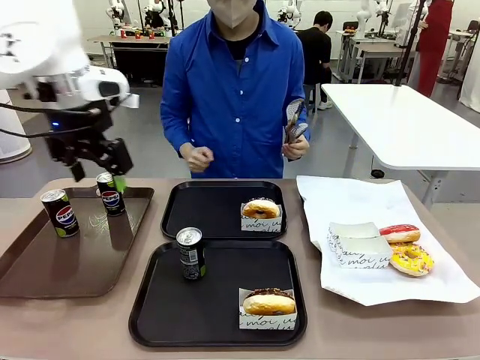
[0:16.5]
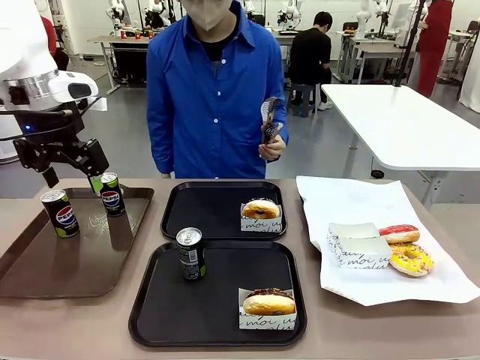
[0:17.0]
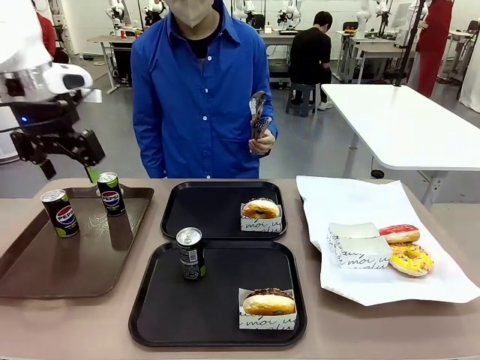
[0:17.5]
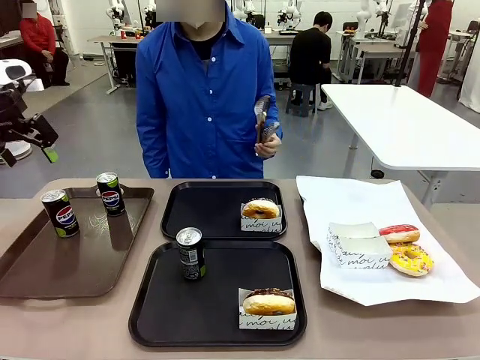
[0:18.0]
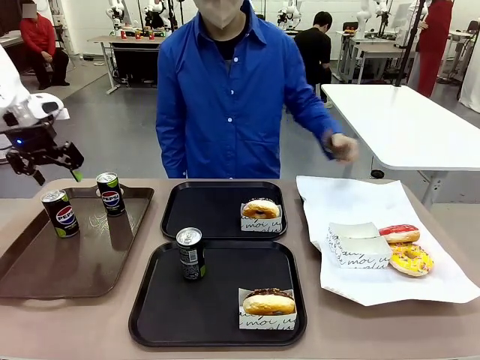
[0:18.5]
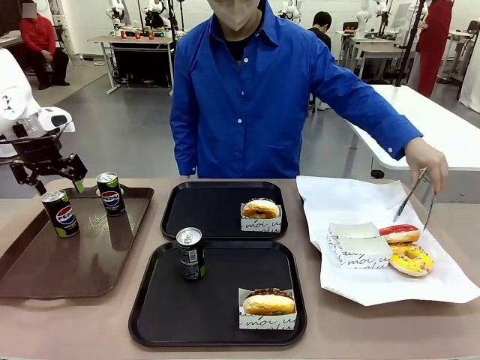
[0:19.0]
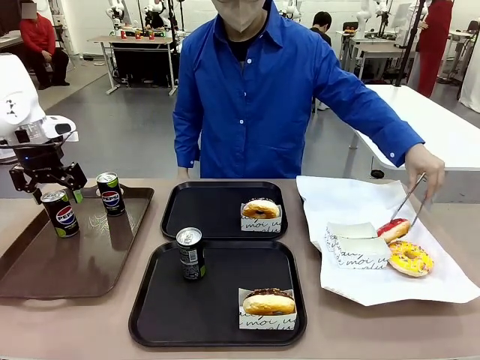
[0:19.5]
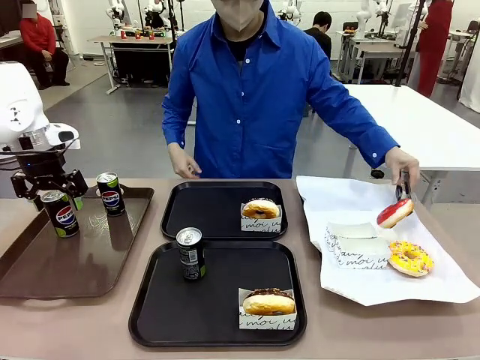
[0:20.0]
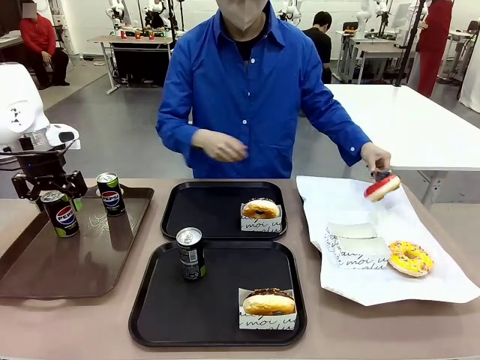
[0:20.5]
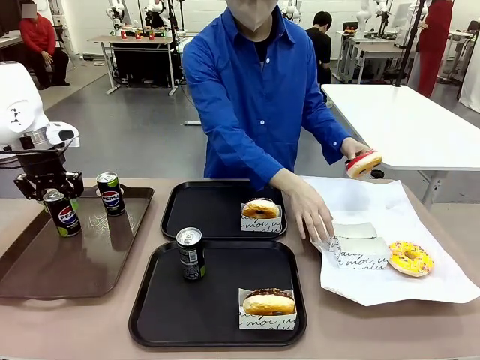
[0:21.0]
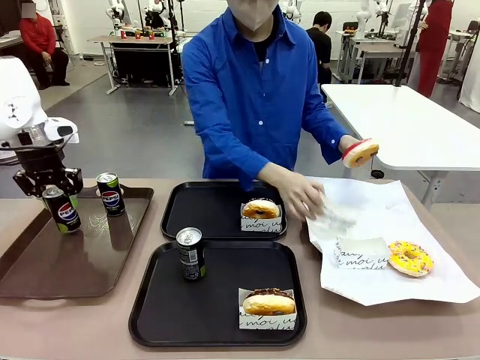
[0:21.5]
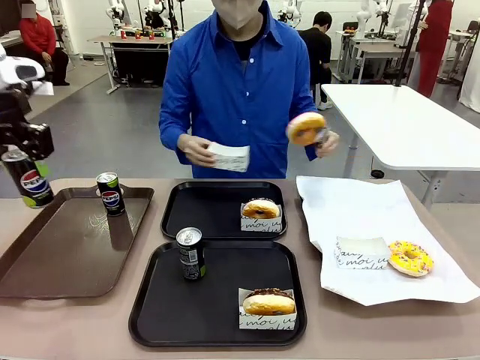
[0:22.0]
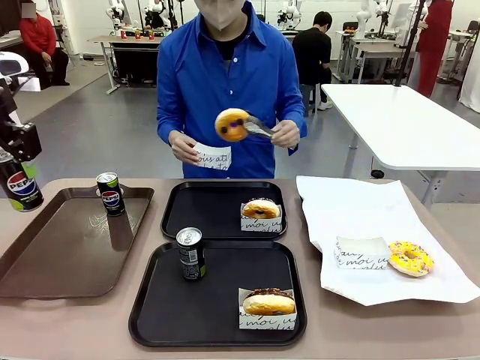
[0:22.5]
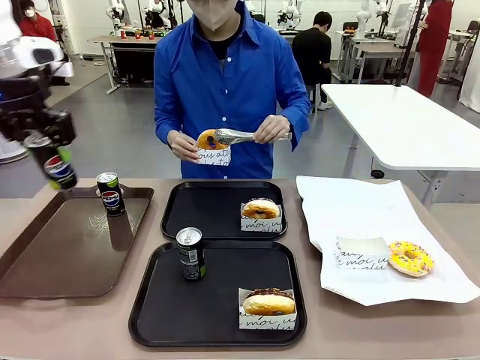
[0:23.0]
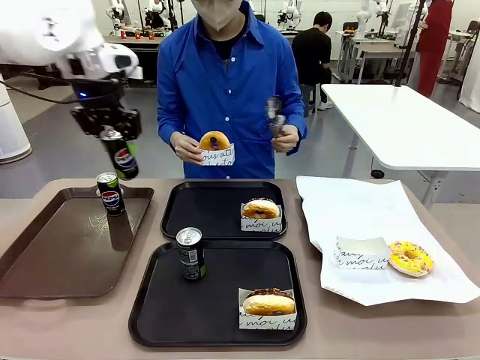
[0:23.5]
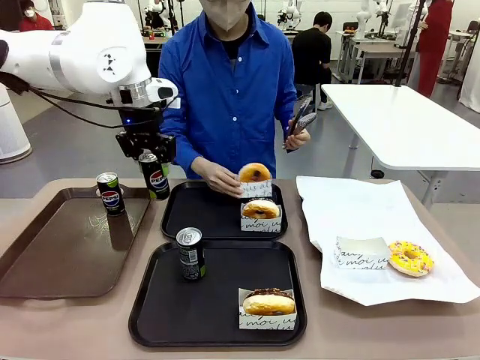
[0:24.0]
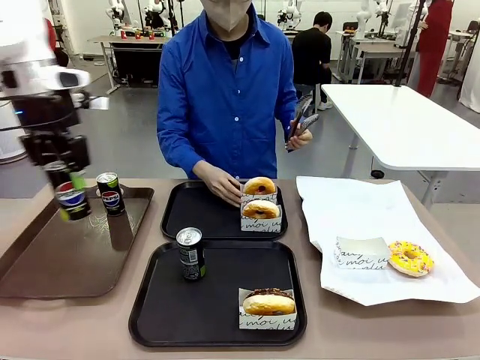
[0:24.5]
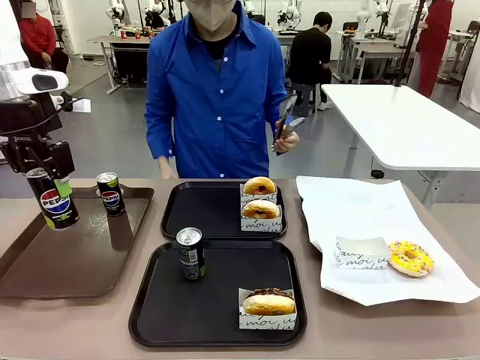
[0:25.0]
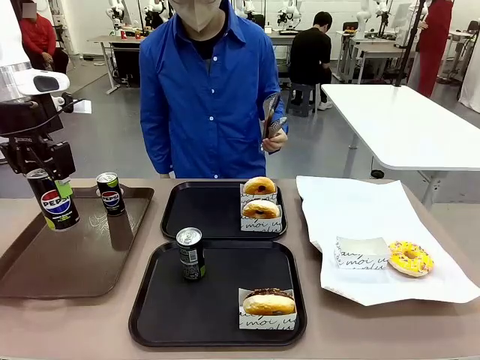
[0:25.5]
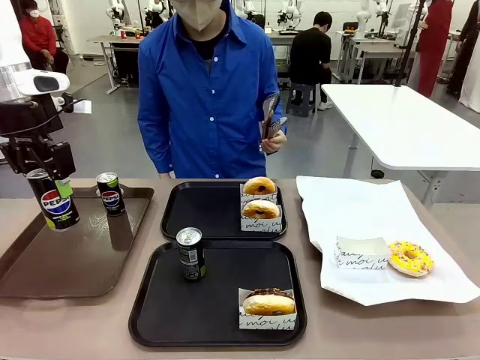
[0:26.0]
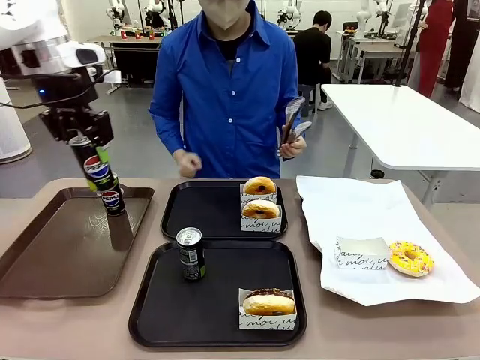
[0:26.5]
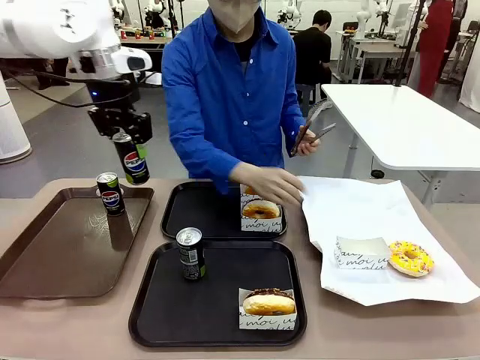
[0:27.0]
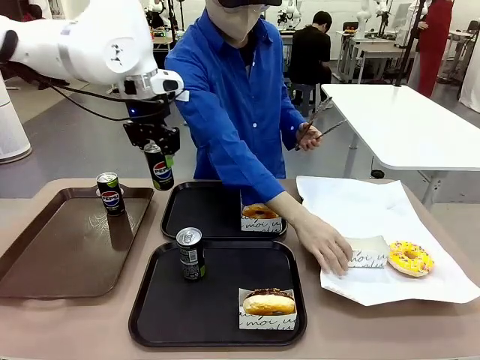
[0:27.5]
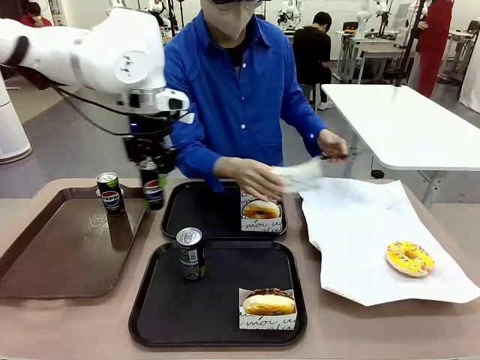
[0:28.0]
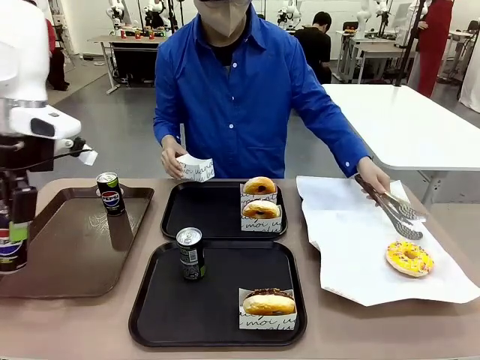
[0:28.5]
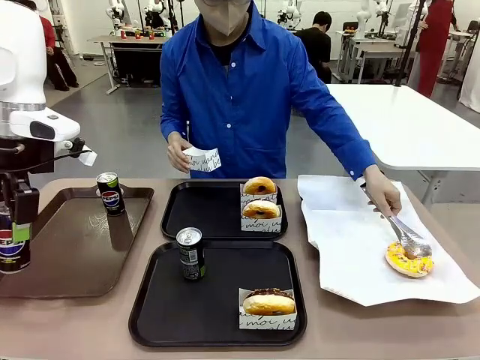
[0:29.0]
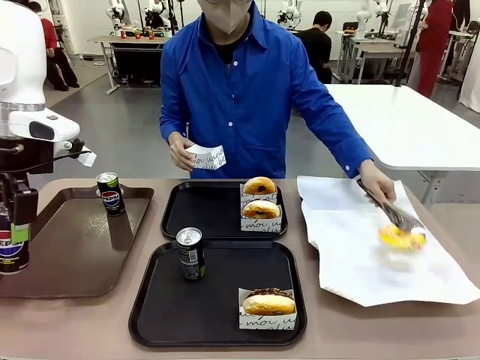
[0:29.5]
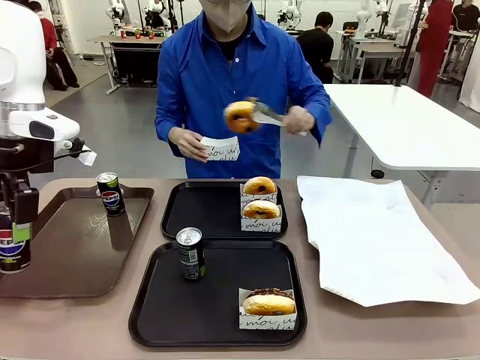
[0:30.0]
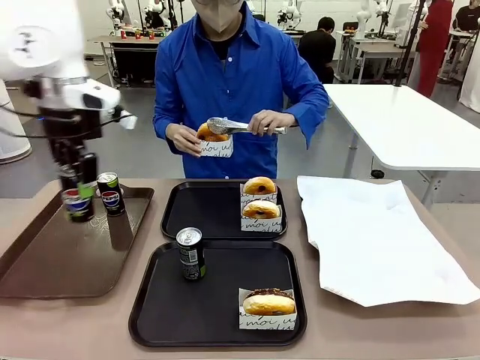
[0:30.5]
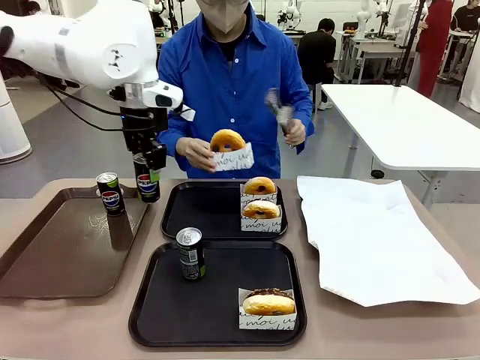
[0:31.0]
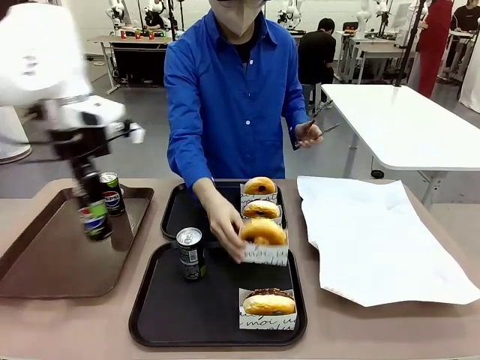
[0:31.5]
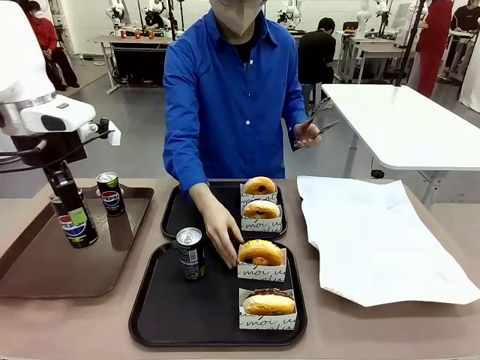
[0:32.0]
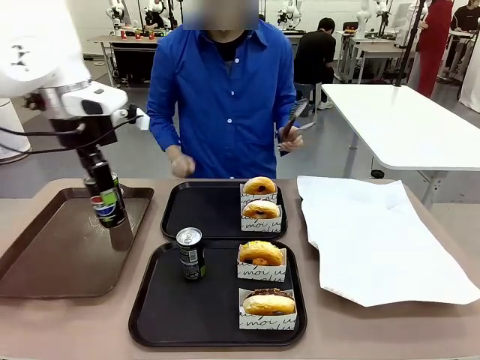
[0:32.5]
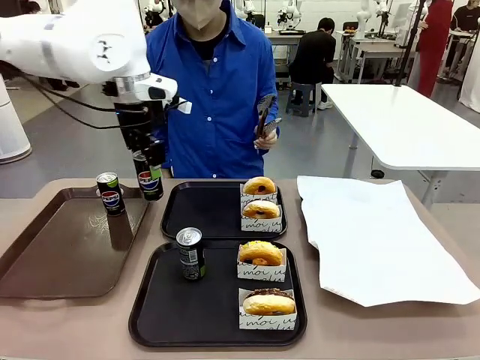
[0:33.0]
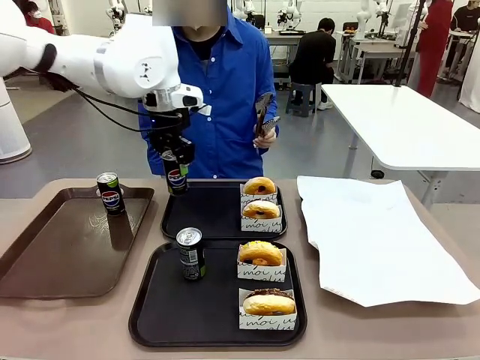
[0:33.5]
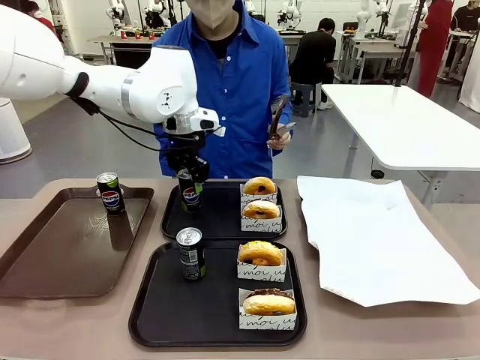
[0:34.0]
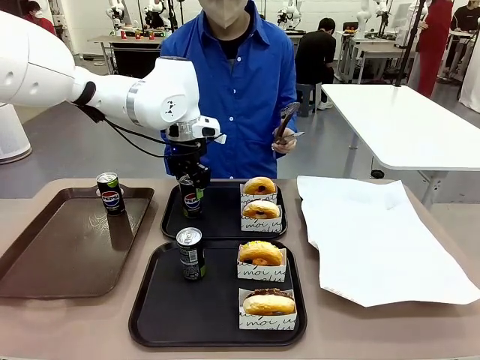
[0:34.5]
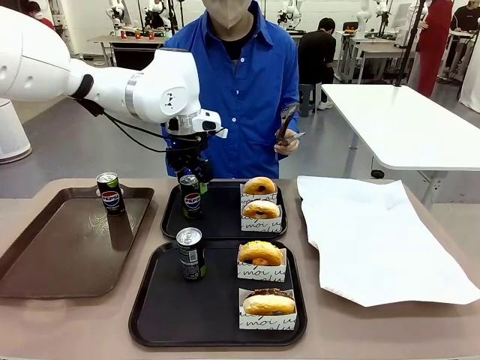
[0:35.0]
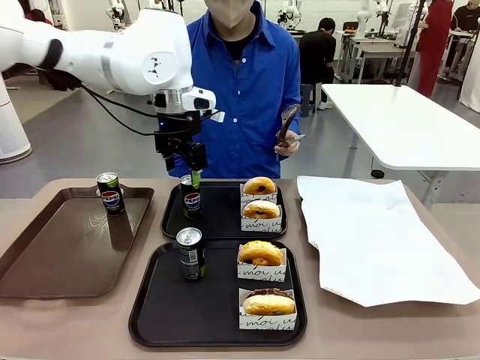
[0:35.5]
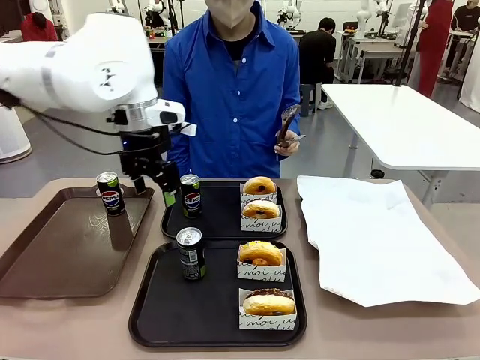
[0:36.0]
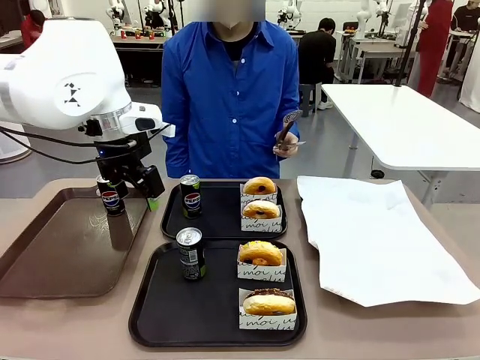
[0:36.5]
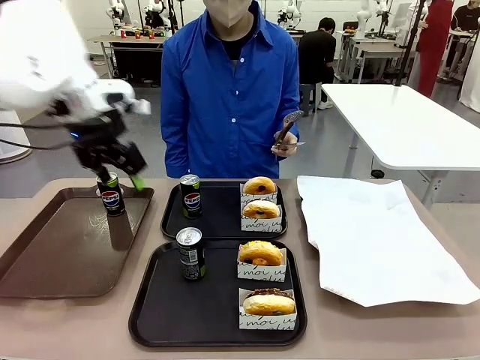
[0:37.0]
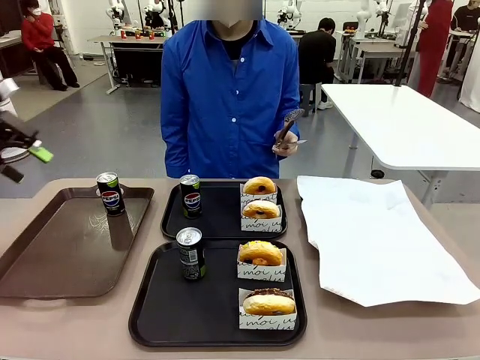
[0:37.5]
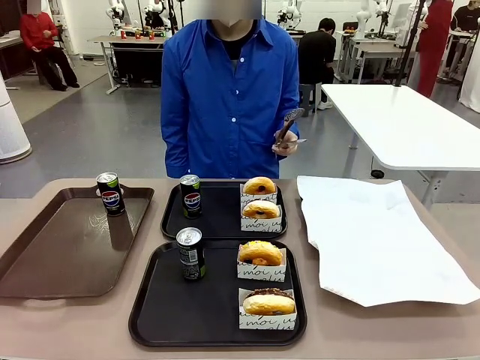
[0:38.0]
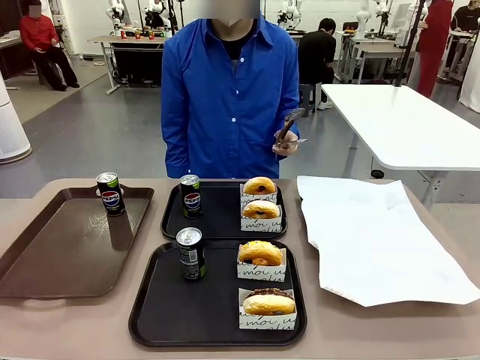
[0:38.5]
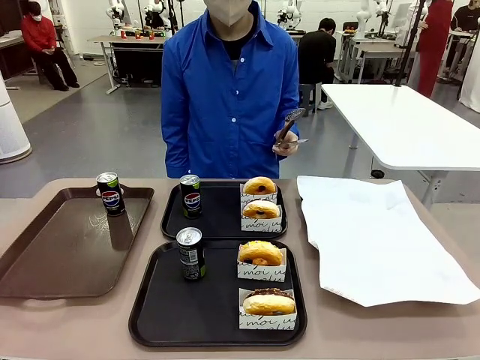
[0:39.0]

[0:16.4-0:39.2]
Task: Set up donuts and drinks on trays.
Robot: Pick up one Pepsi coke from the Handle tray and place it on the Flat Tray without a Pepsi coke.
Person: Pick up one donut with tongs, place it in the donut tray, and then place the donut tray on the flat tray.
